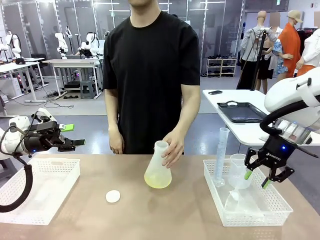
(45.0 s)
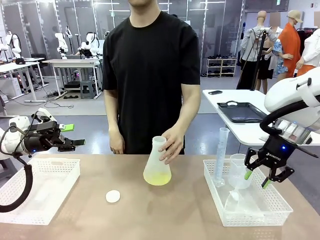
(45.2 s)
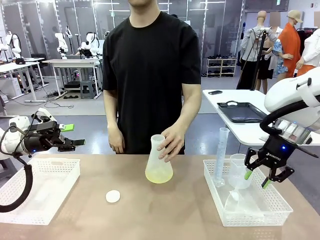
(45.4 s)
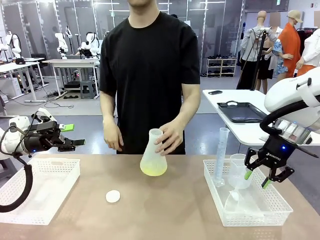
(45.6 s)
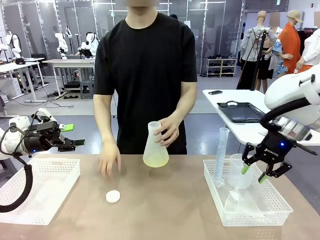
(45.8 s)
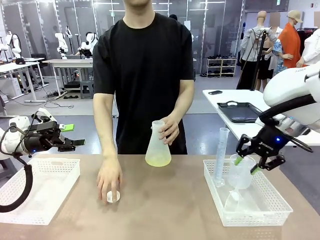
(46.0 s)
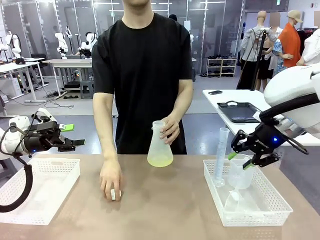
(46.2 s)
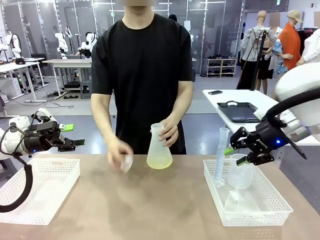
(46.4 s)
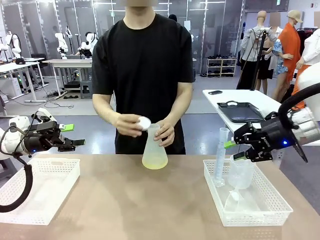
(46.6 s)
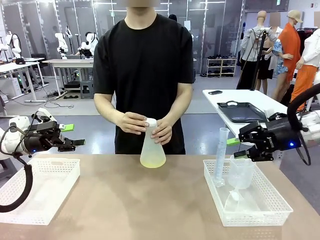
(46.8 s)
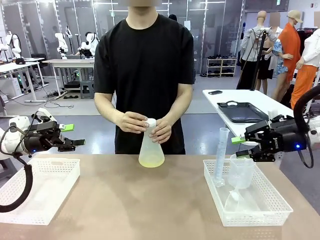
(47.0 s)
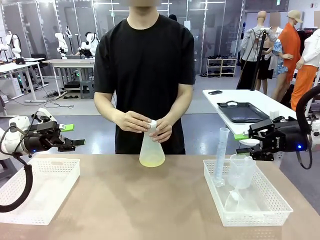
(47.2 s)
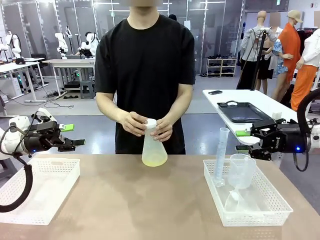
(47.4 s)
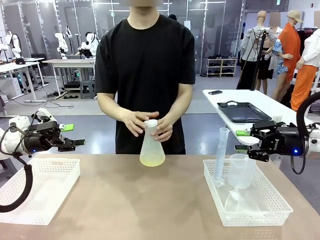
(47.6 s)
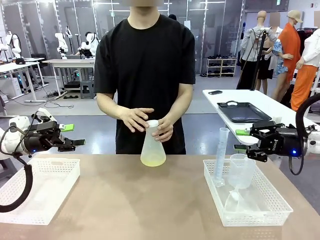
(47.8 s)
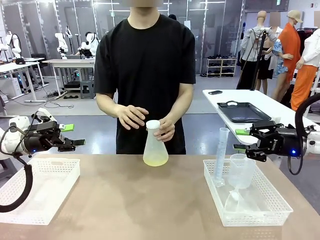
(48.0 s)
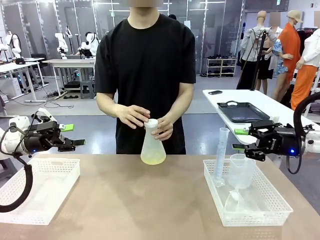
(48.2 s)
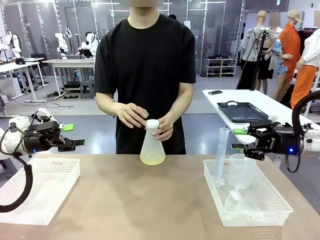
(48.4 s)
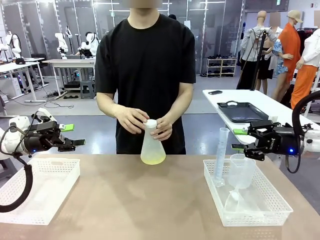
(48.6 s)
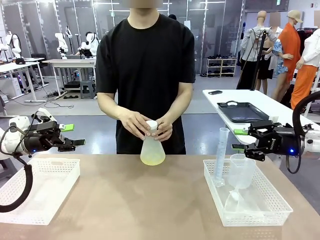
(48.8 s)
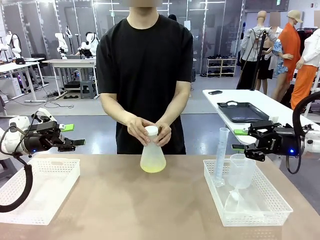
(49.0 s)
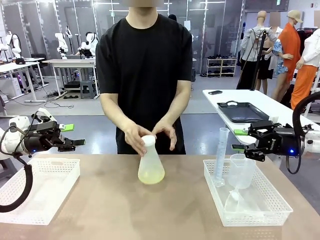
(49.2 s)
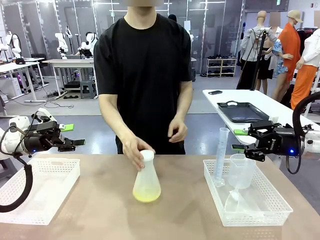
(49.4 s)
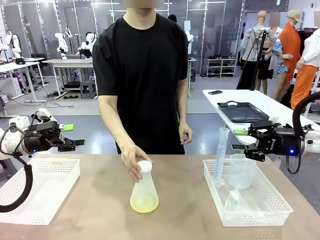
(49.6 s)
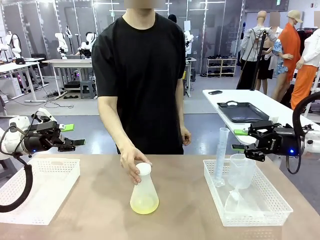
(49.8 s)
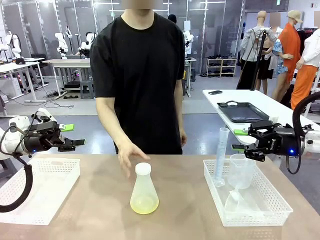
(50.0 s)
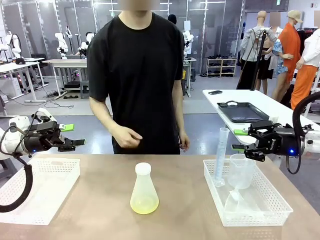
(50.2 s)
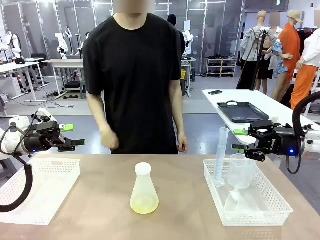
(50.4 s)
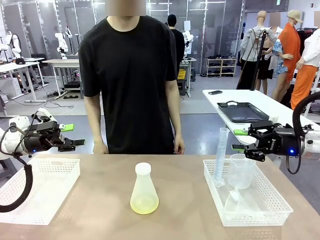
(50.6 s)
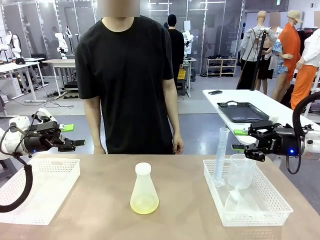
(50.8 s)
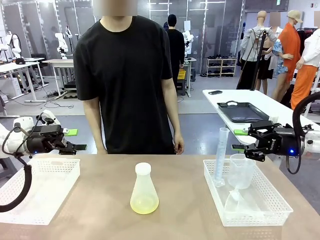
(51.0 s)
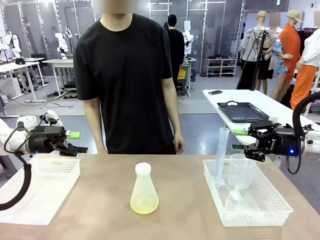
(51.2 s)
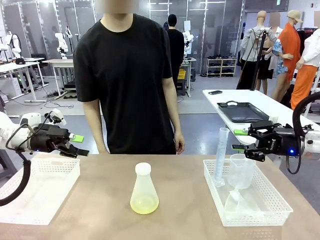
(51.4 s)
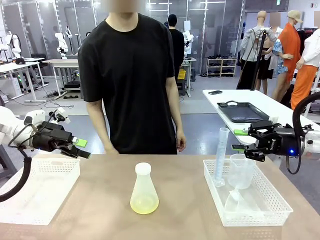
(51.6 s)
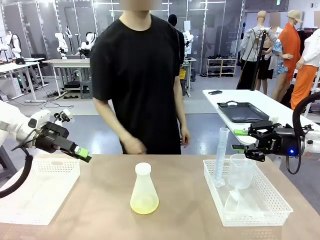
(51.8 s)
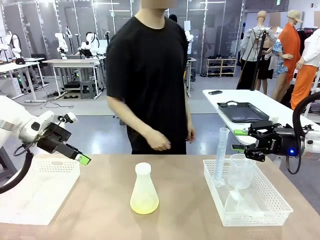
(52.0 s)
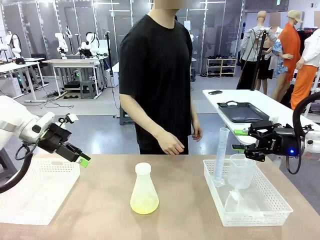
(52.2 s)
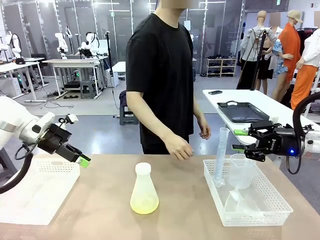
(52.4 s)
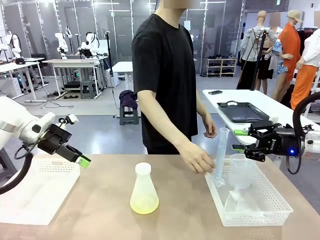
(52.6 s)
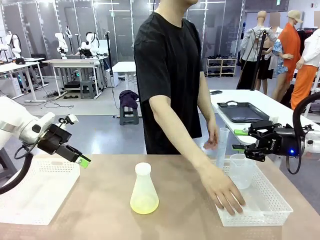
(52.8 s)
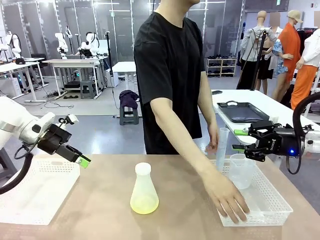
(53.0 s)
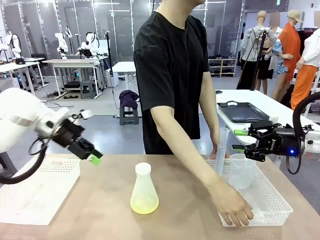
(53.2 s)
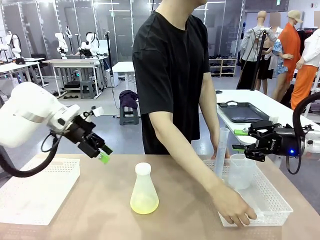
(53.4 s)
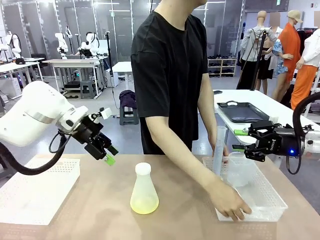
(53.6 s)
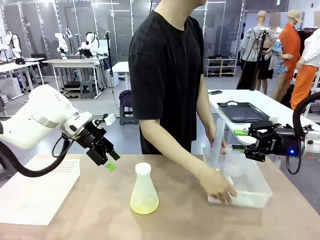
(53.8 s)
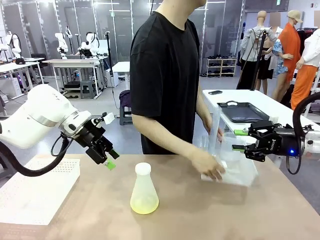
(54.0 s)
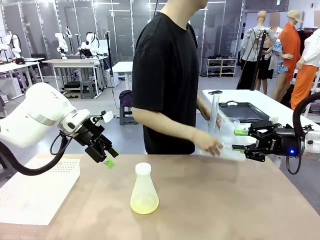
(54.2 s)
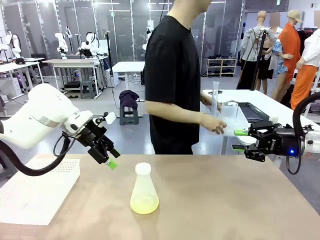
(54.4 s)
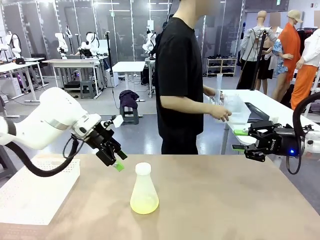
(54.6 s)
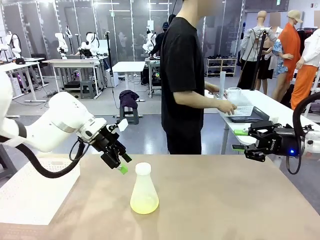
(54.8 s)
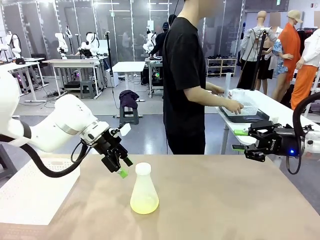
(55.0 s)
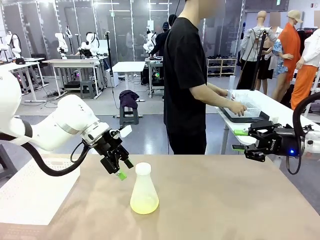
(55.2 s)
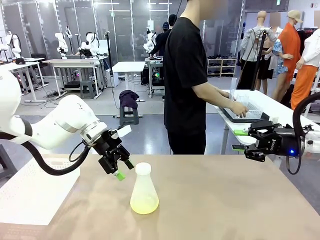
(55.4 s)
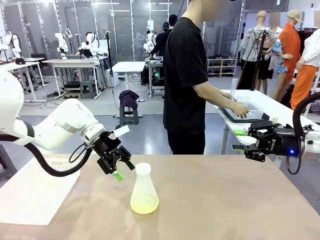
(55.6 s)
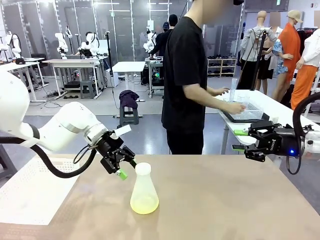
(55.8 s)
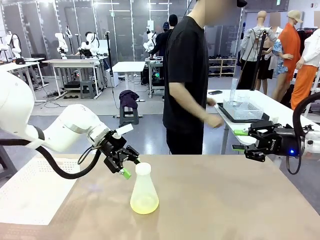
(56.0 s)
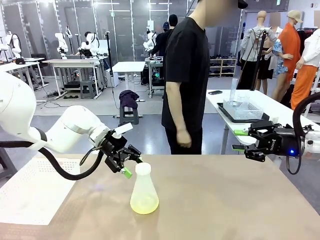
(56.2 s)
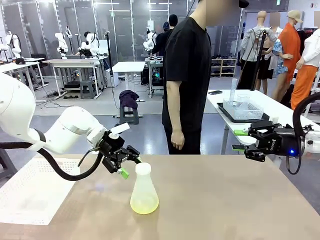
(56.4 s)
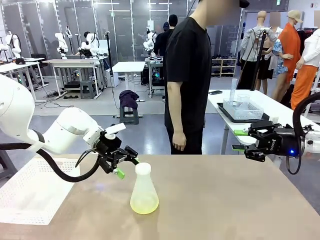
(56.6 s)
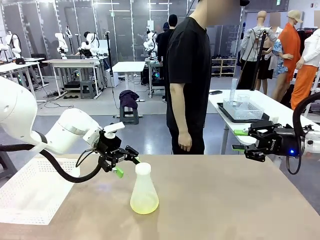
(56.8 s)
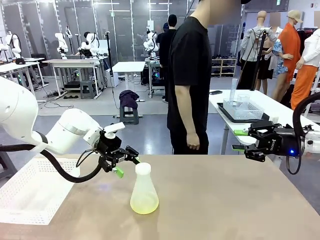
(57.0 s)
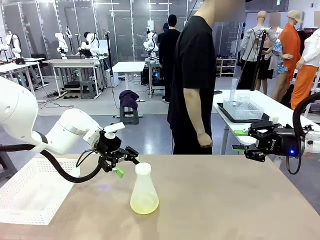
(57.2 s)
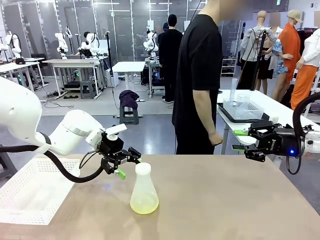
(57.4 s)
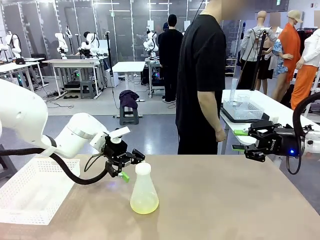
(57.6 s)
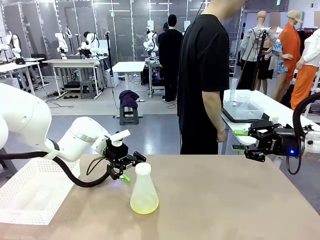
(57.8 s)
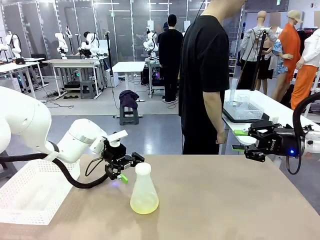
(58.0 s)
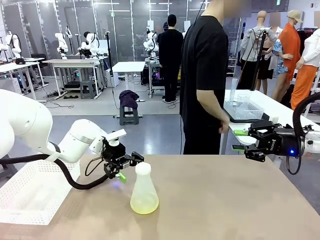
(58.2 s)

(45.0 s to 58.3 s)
Task: Prepare the solutions needed for the experiment.
Robot: When the human places the Big flask in the center of the table, pick up the Big flask and place it in the left Organizing basket.

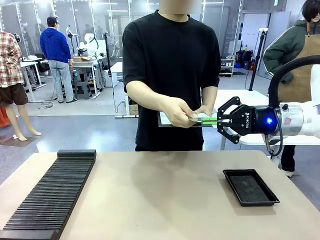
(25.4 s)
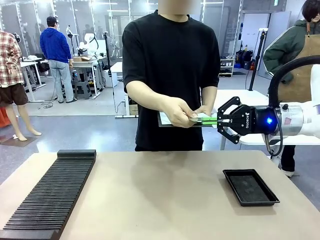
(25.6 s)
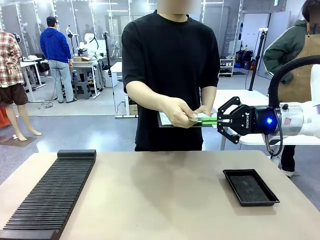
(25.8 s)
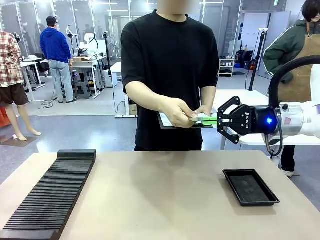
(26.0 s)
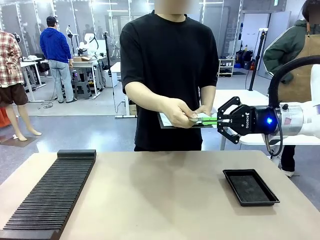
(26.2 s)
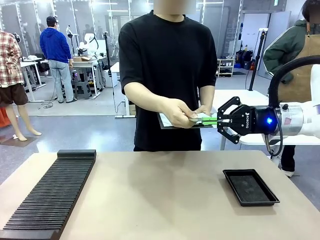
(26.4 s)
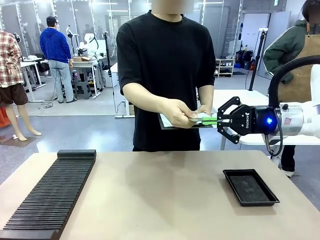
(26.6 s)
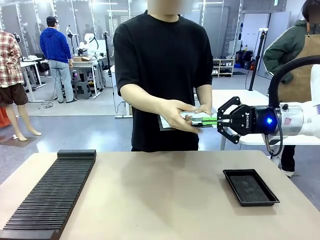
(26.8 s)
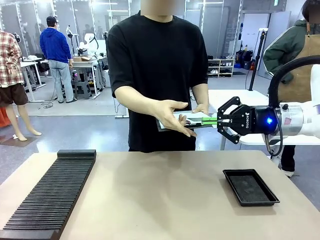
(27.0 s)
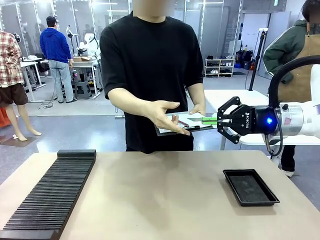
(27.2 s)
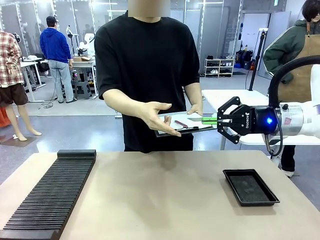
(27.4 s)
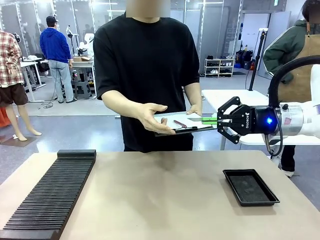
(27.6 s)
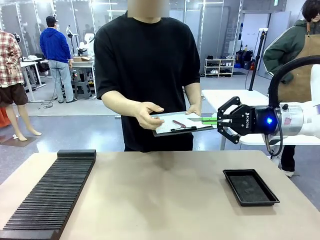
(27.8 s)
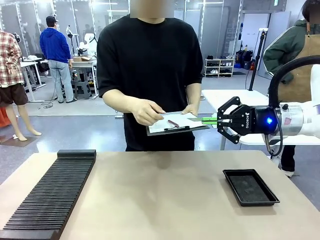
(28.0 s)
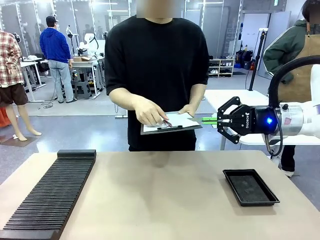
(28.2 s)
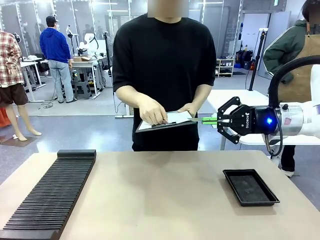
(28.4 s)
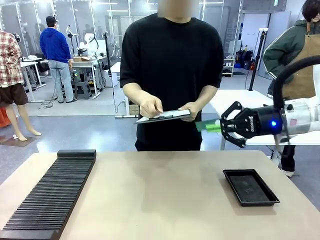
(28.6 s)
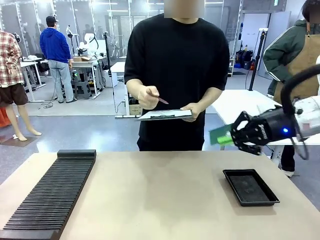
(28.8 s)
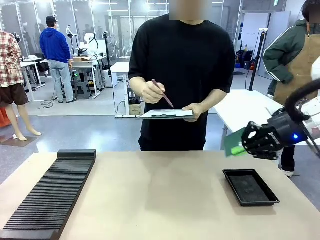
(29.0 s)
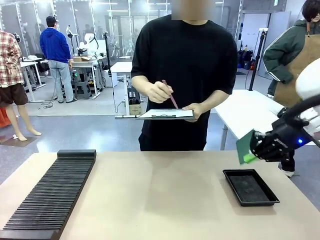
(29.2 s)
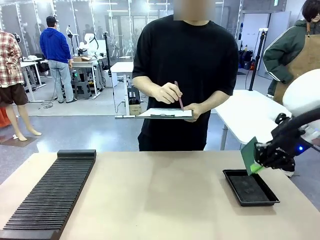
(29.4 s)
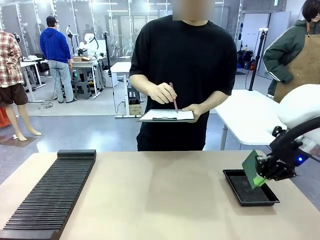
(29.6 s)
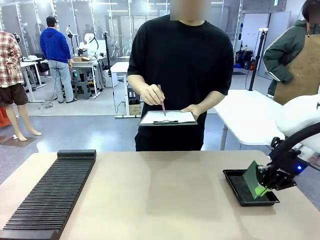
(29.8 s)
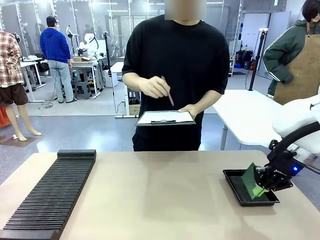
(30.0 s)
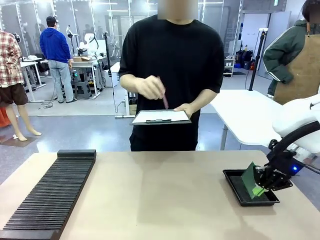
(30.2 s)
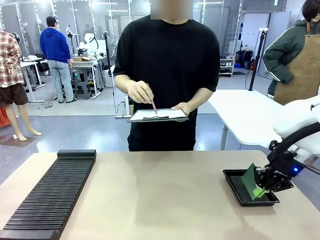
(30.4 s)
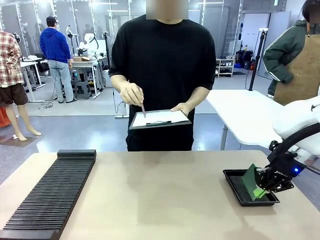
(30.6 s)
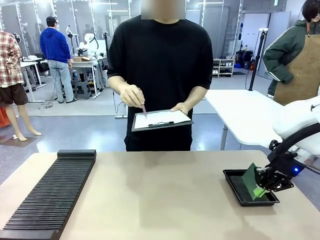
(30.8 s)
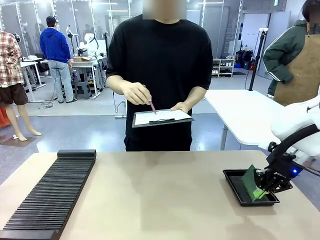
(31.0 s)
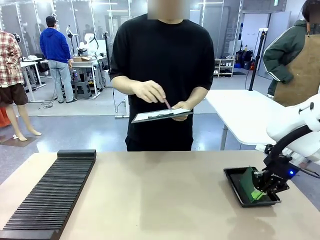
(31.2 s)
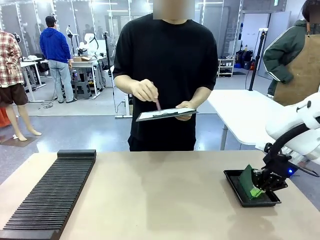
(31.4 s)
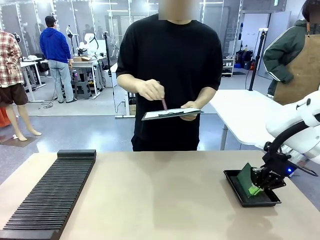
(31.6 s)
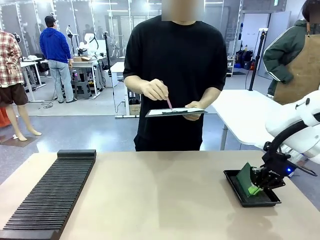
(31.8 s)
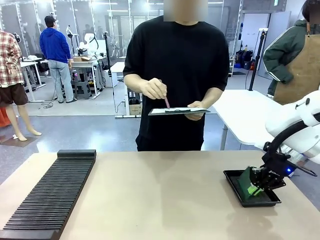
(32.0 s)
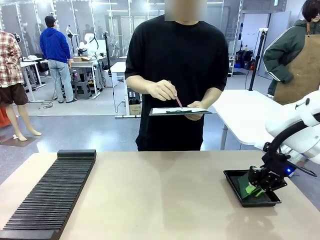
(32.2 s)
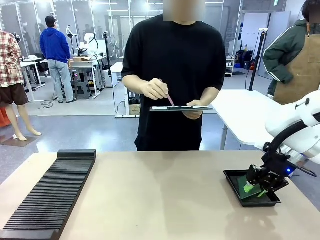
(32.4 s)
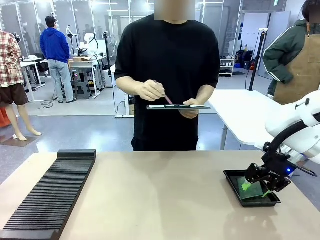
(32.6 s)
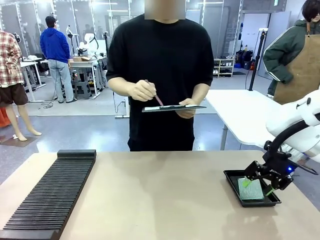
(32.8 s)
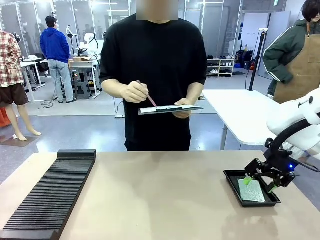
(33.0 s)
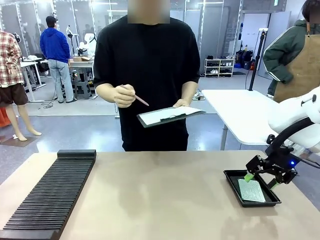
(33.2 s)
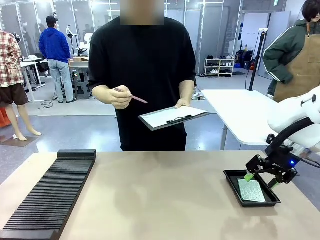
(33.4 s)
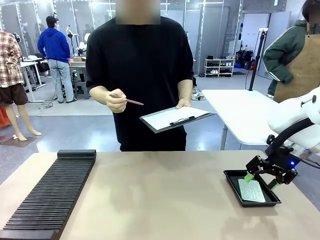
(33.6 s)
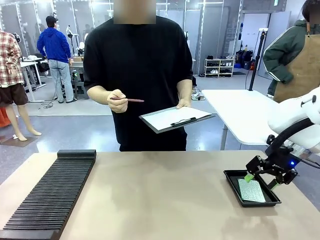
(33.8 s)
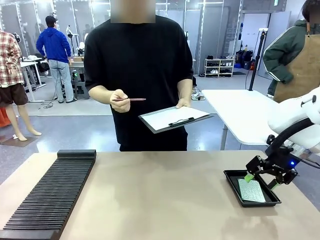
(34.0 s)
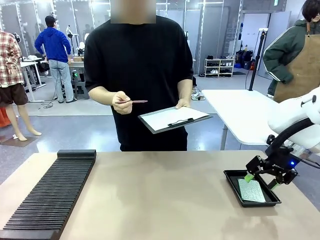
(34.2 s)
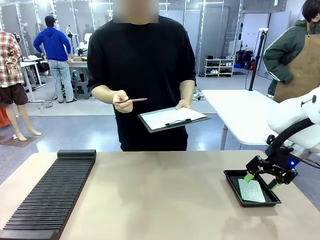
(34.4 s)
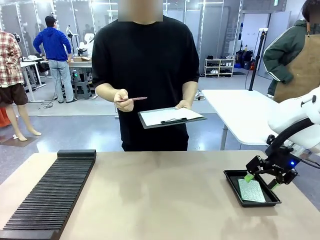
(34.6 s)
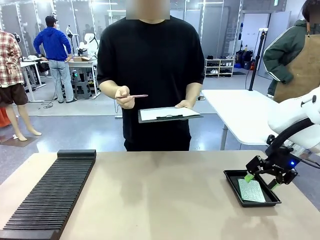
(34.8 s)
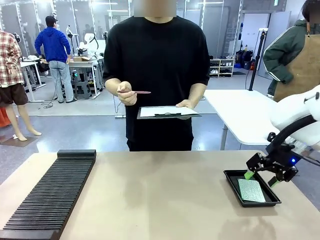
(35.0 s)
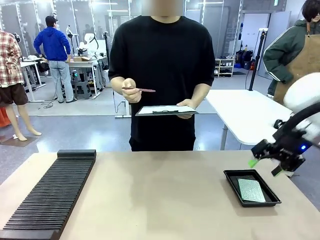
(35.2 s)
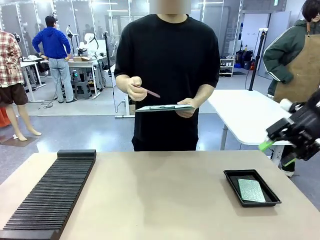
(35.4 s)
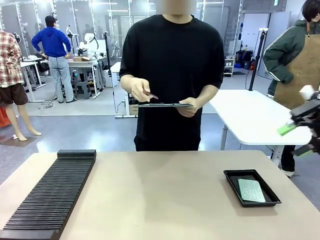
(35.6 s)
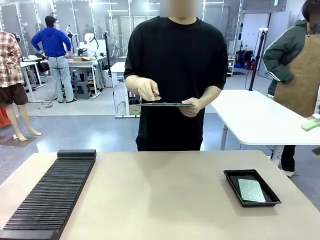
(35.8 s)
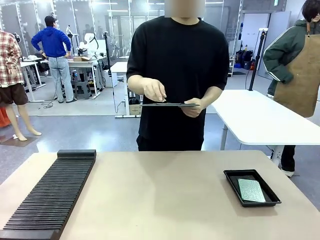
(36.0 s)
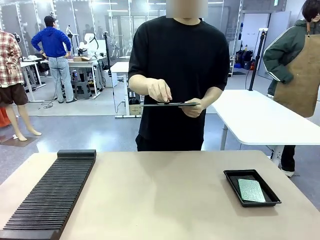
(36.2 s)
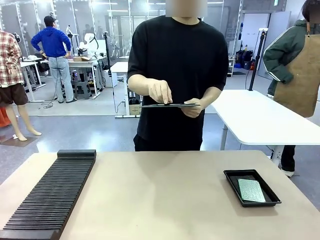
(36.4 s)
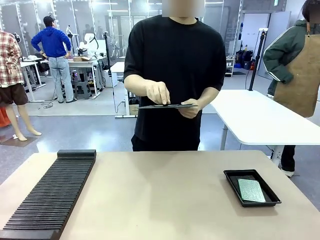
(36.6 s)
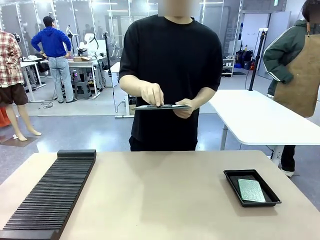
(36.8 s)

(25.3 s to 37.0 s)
Task: Inspect the PCB.
Robot: Place the Blank PCB in the ESD tray.
Person: Record the PCB status on the paper.
